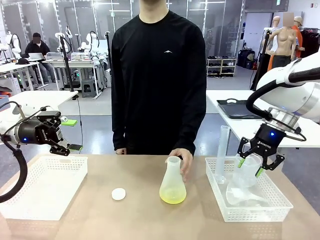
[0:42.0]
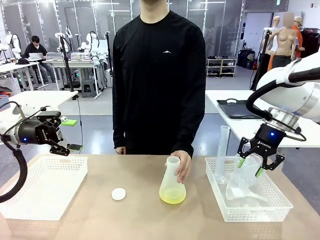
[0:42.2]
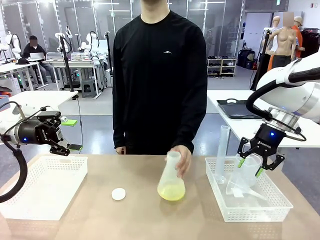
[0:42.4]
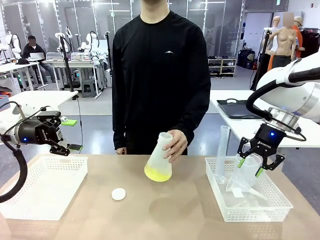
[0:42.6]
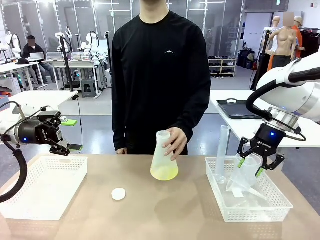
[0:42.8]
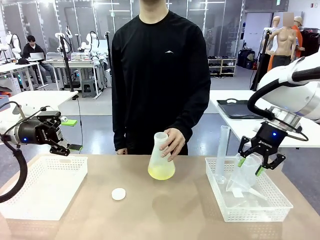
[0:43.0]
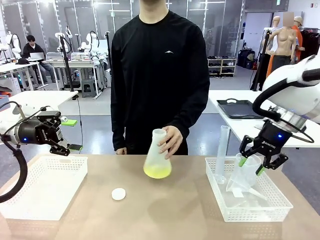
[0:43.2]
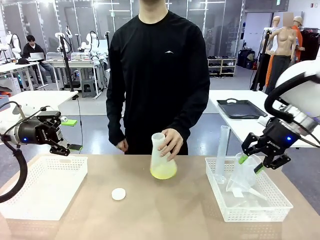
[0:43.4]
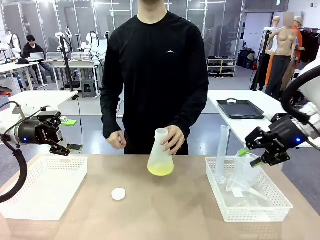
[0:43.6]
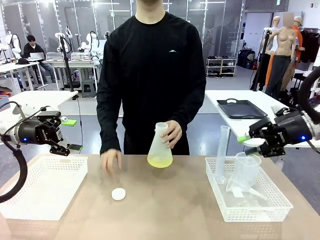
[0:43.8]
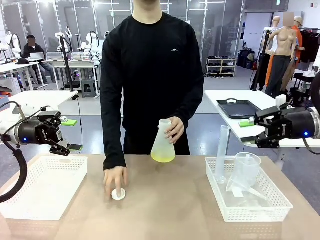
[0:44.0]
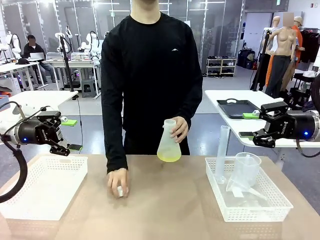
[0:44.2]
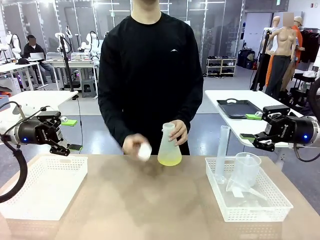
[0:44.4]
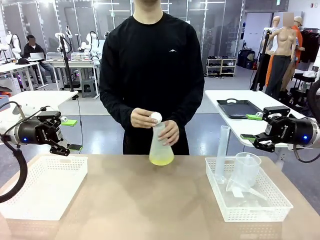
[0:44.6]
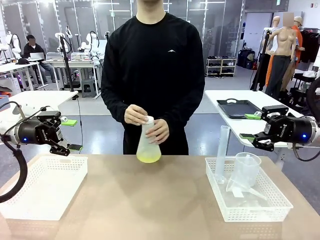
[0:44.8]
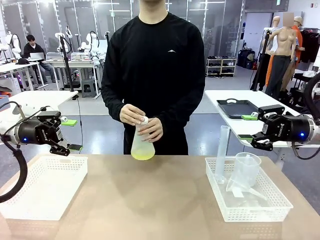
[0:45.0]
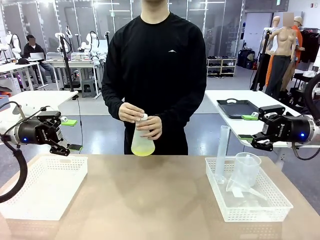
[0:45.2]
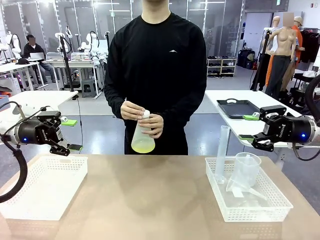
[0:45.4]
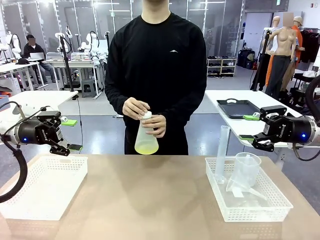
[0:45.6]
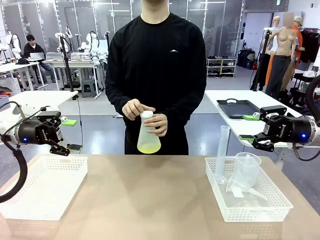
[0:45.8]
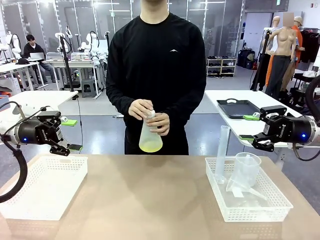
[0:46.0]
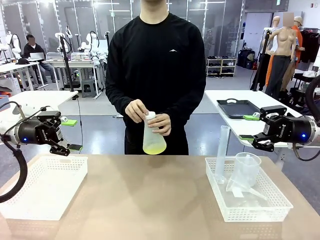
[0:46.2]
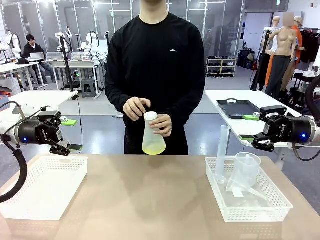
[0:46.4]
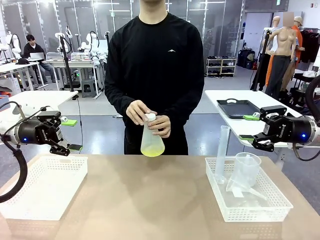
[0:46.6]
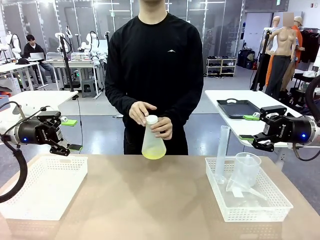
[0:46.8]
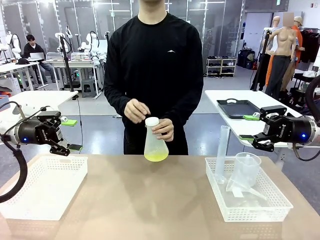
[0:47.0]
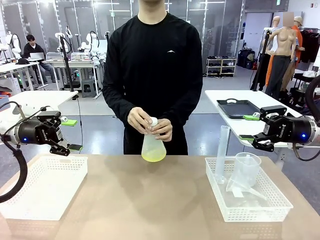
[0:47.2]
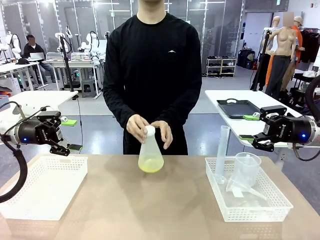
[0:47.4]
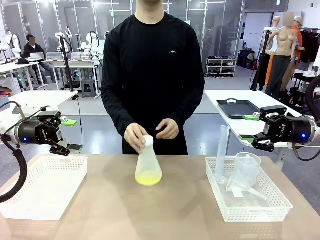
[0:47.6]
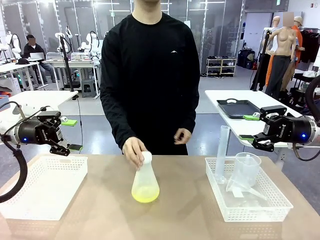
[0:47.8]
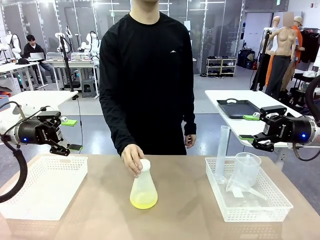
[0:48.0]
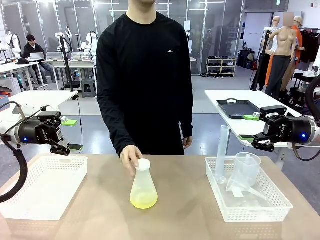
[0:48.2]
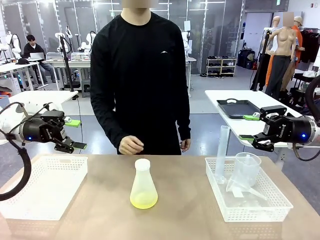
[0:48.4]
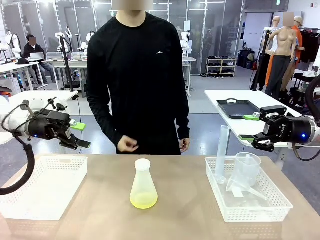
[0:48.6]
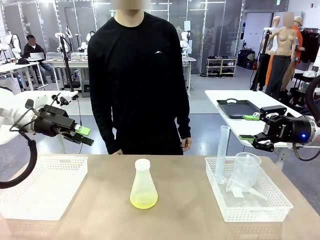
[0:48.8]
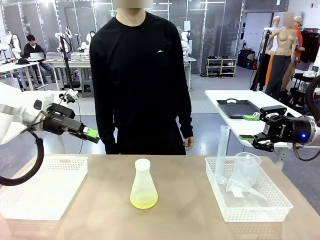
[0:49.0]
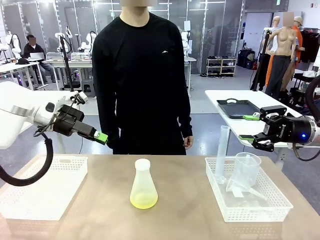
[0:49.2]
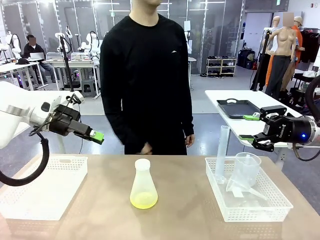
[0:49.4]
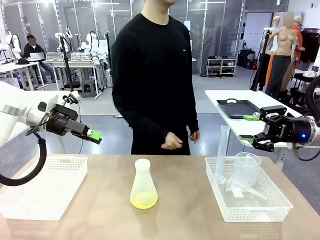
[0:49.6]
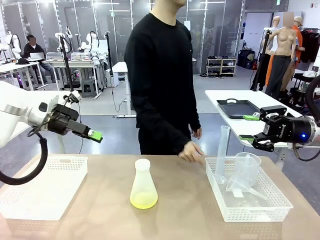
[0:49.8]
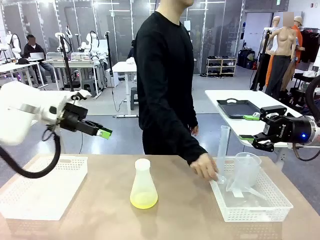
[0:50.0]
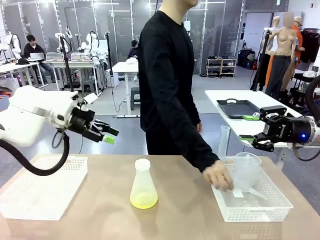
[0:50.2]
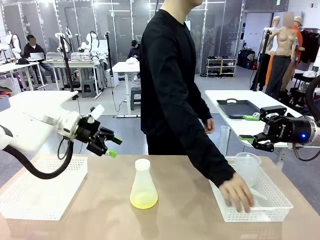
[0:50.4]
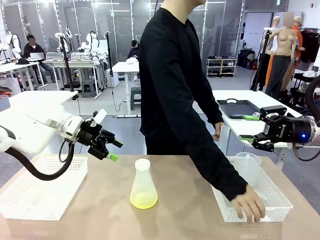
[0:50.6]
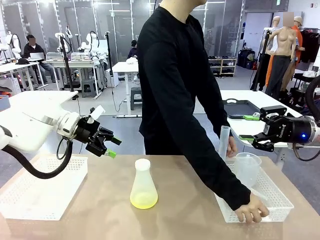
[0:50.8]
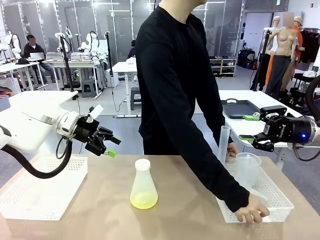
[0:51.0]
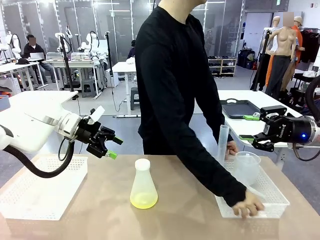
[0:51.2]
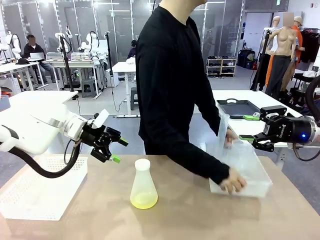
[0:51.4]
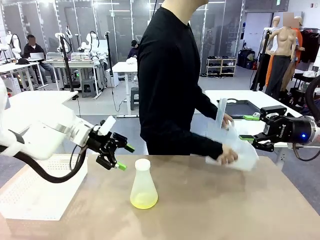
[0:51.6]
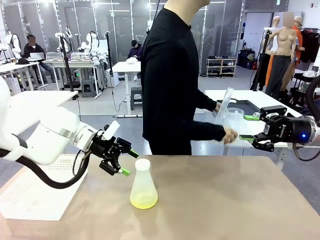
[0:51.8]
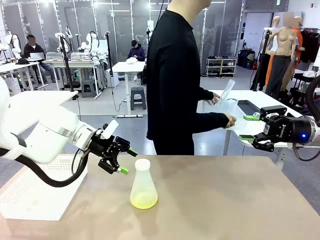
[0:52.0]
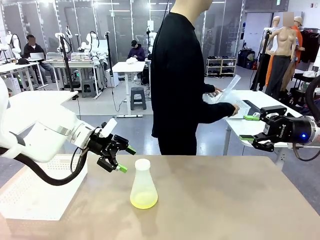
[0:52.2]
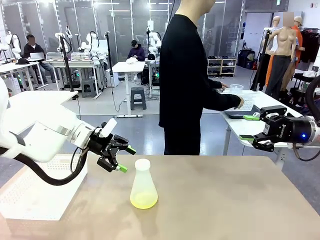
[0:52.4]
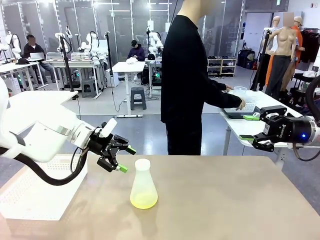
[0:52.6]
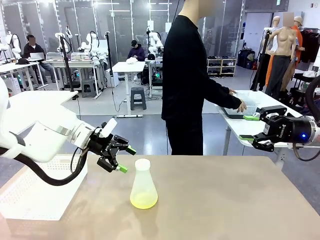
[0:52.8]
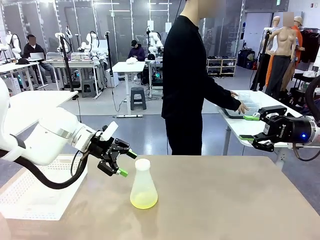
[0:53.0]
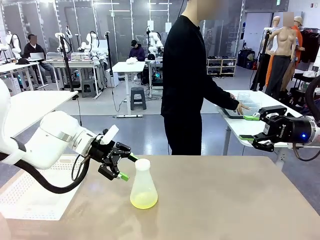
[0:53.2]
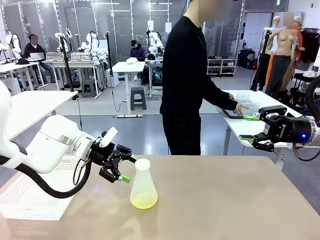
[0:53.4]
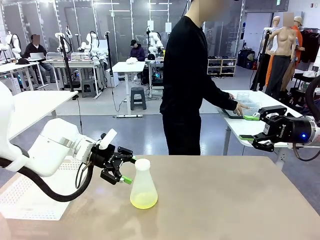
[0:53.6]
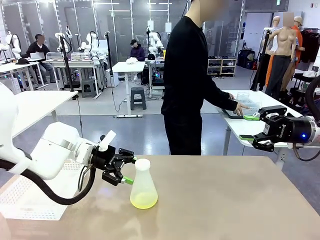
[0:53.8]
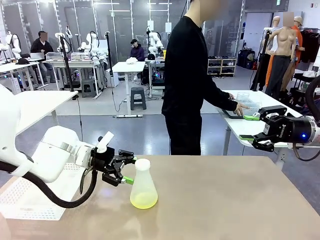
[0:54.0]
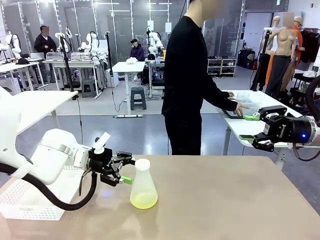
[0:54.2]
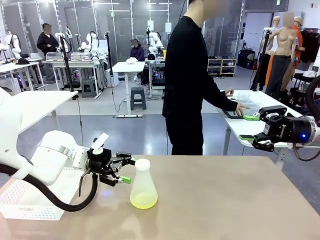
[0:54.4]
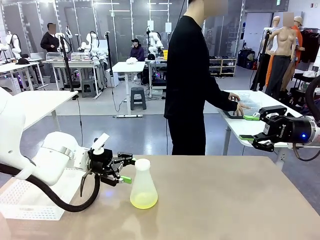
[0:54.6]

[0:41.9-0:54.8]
Task: Prepare the solutions needed for the experiment.
Robot: When the human places the Big flask in the center of the table, pick up the Big flask and place it in the left Organizing basket.

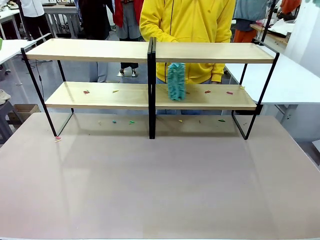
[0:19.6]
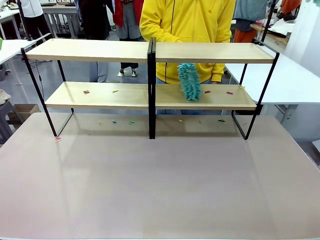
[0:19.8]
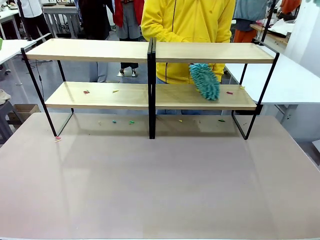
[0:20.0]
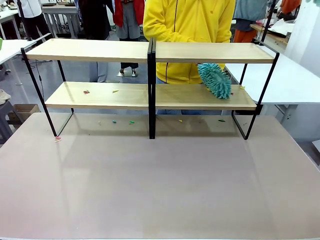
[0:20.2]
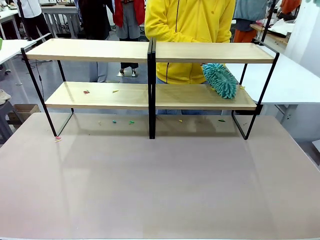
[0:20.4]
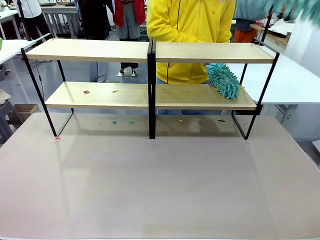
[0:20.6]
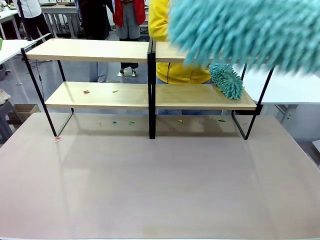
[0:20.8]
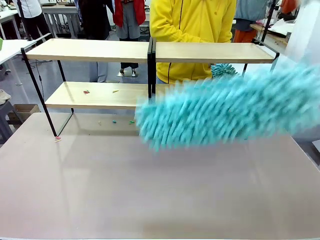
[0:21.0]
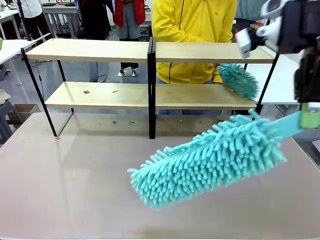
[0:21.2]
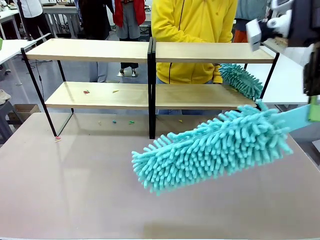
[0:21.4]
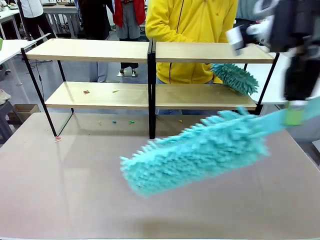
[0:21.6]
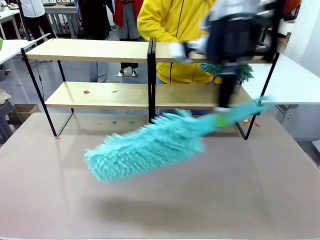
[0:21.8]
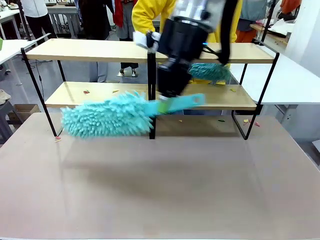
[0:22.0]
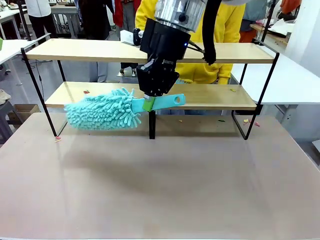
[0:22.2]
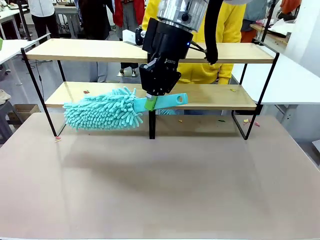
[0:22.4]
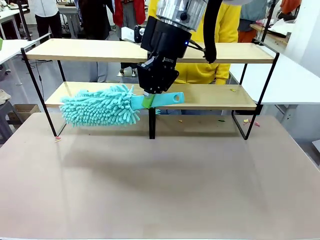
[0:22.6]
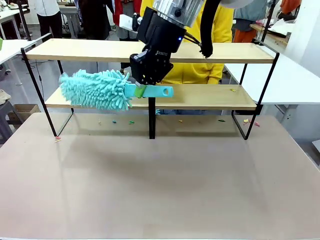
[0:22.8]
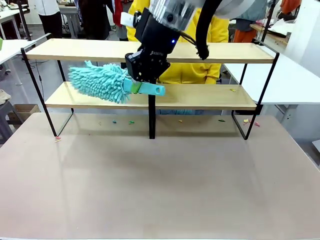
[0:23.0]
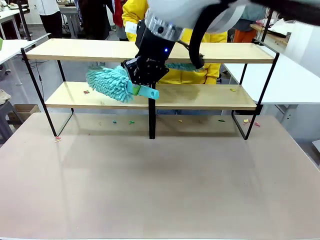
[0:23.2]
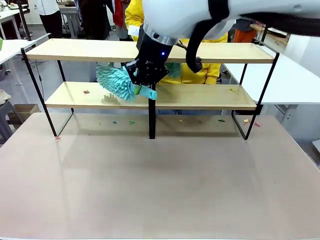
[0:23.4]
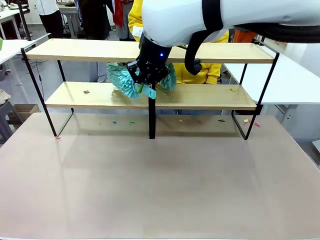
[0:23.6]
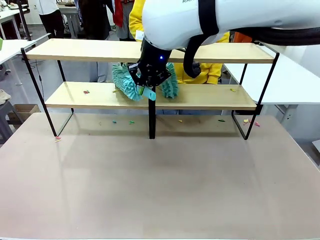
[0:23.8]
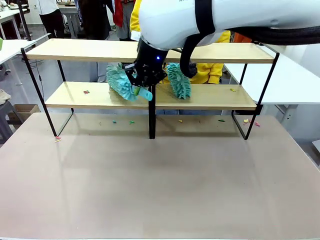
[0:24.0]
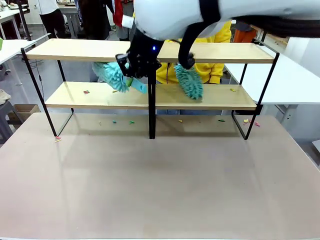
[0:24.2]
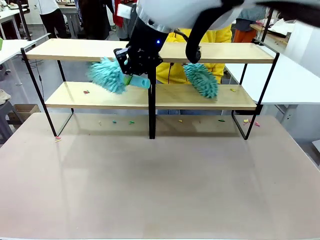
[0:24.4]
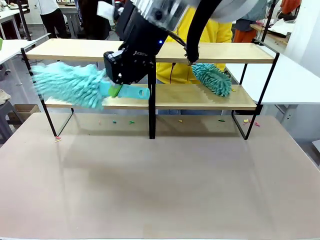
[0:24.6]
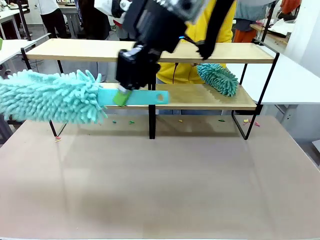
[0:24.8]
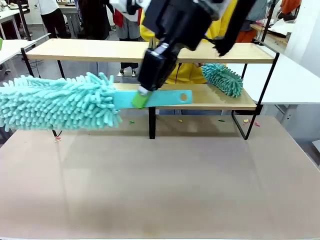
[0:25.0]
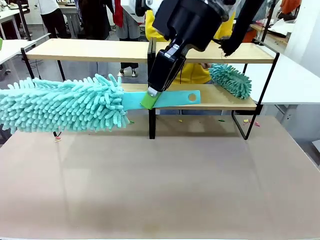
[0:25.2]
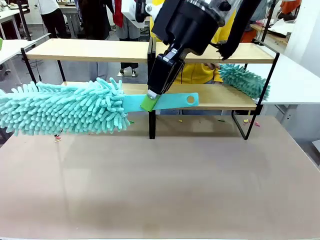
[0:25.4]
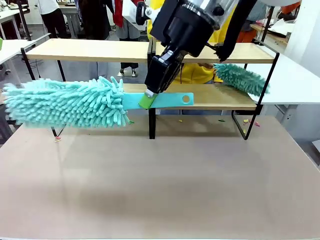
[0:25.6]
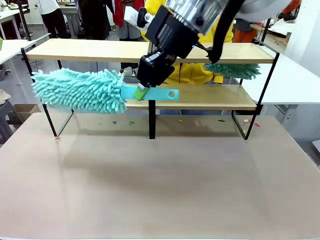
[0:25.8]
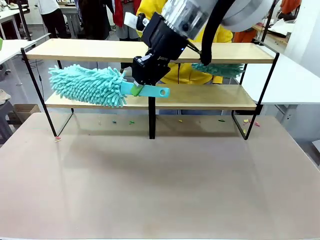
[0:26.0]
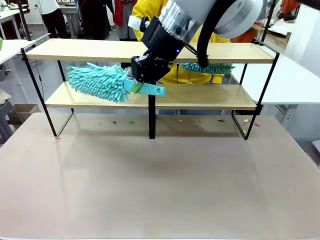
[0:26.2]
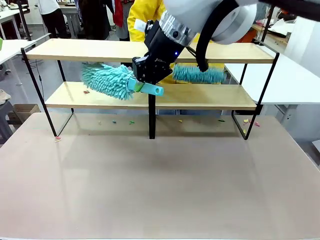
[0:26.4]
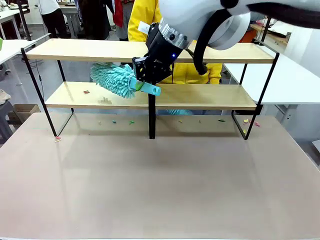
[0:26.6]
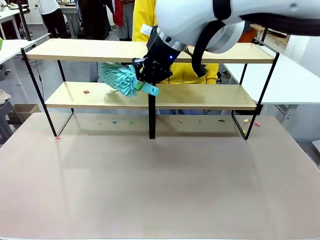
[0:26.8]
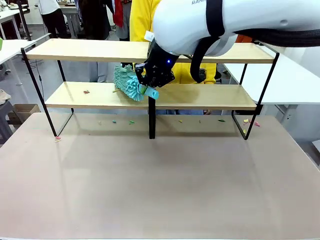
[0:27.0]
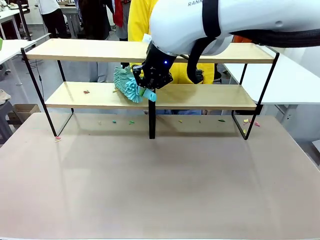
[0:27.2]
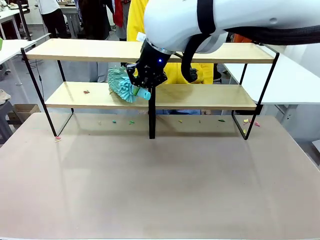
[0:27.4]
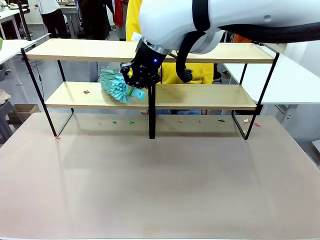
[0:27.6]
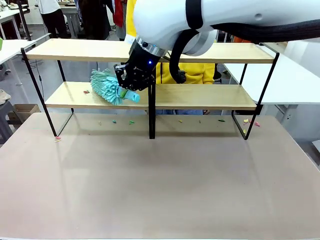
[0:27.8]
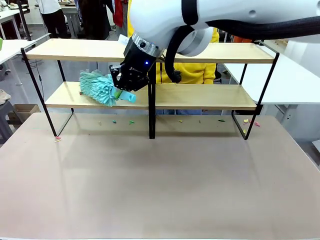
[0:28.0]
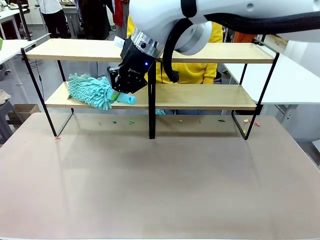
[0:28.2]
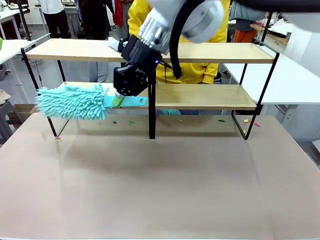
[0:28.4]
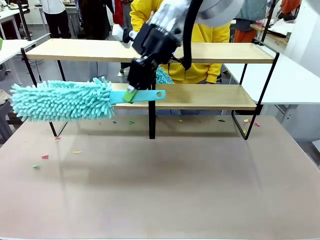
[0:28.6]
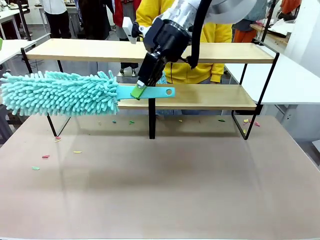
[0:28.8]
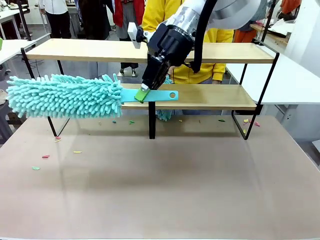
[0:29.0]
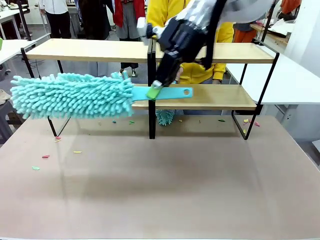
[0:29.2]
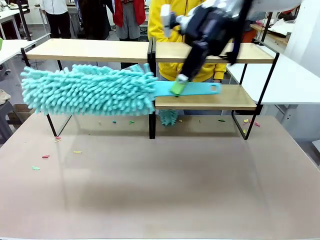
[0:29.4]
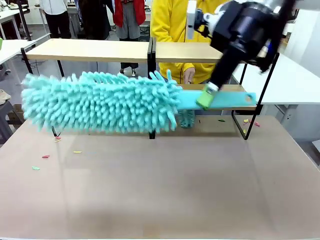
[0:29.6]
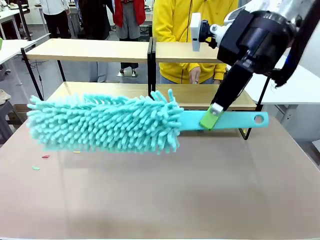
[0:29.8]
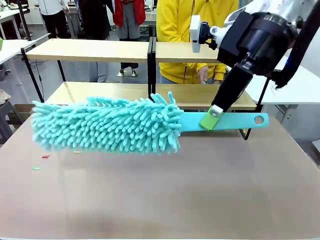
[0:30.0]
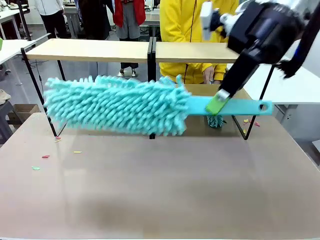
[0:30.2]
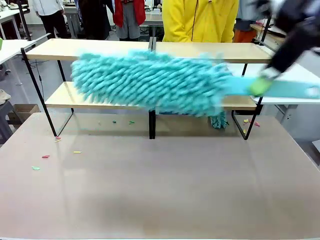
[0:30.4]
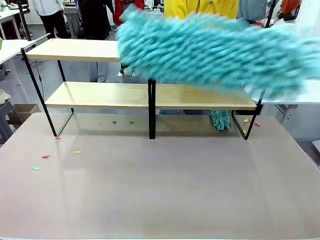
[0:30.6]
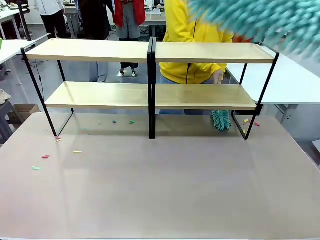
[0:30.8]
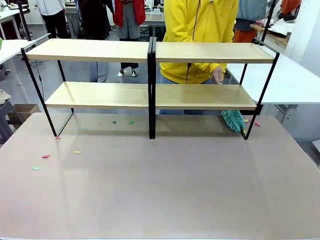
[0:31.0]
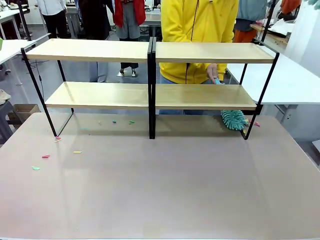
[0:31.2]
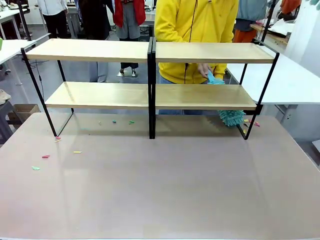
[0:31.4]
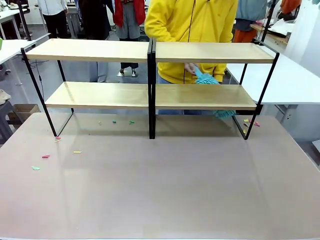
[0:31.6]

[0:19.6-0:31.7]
Task: Clean the shelves.
Robot: Clean another randomly selected level of the Shelf with the Duster.
